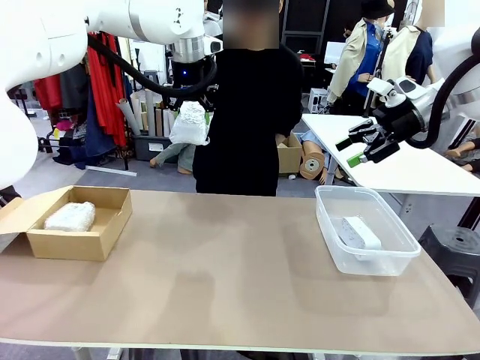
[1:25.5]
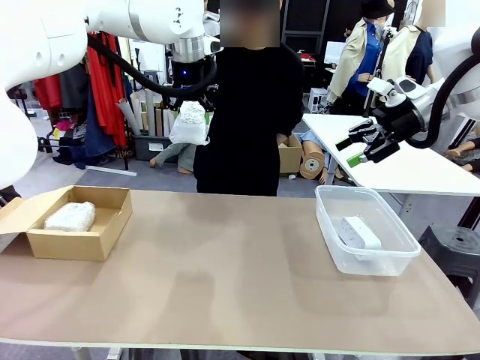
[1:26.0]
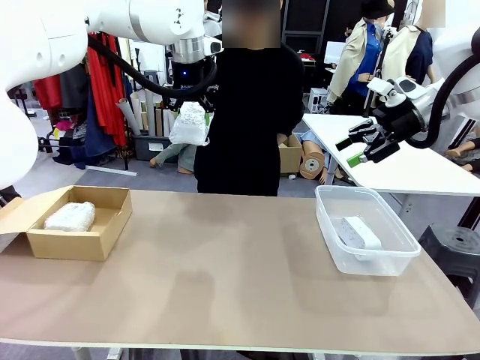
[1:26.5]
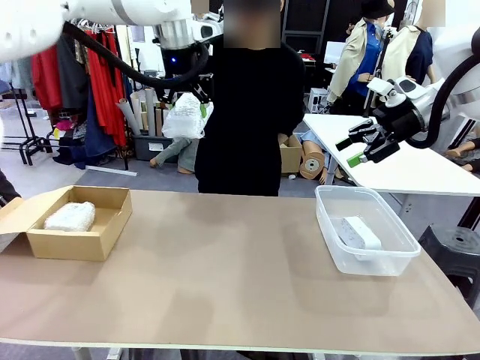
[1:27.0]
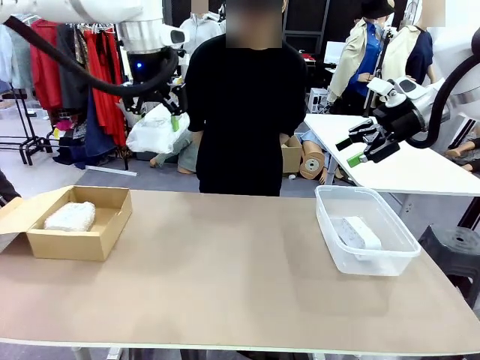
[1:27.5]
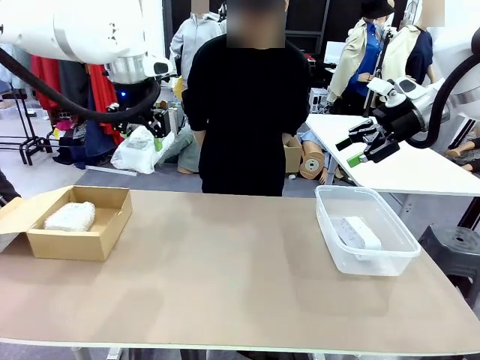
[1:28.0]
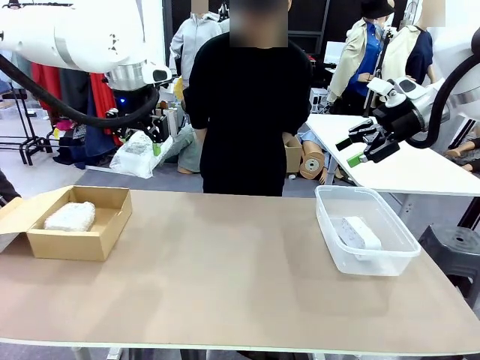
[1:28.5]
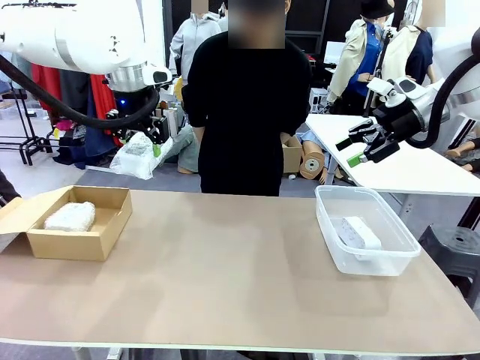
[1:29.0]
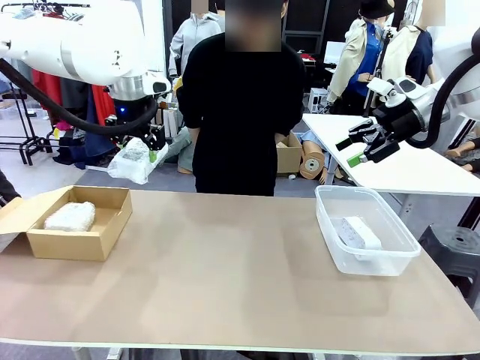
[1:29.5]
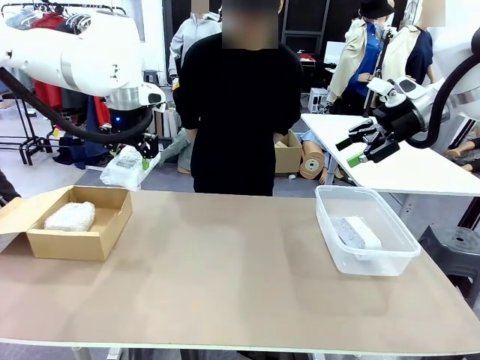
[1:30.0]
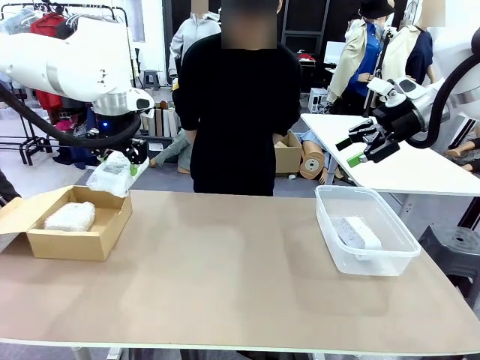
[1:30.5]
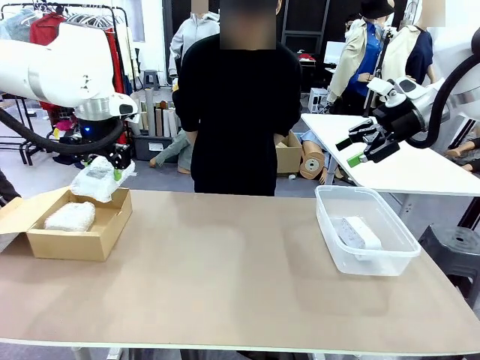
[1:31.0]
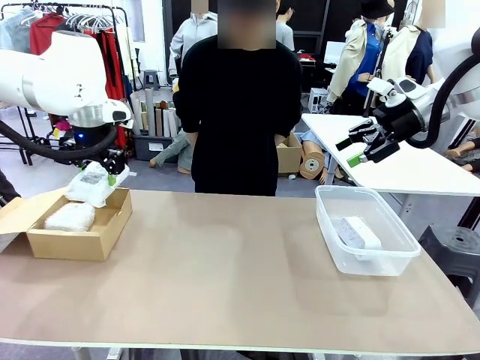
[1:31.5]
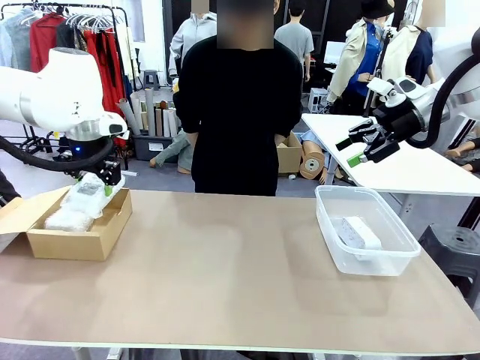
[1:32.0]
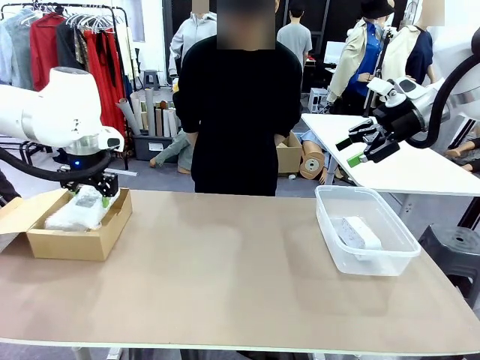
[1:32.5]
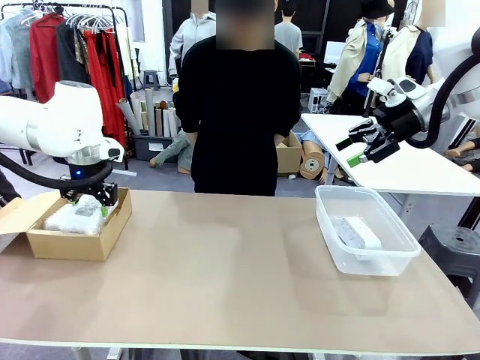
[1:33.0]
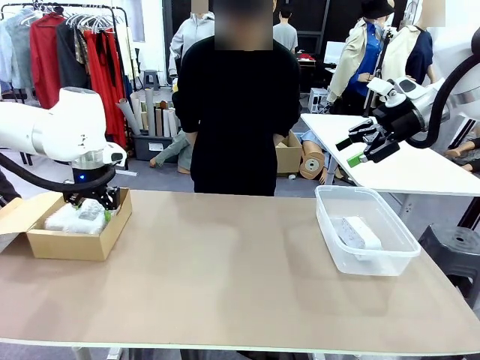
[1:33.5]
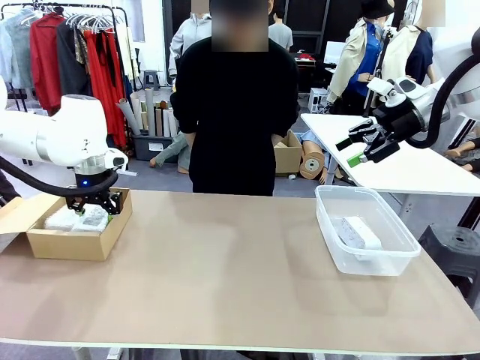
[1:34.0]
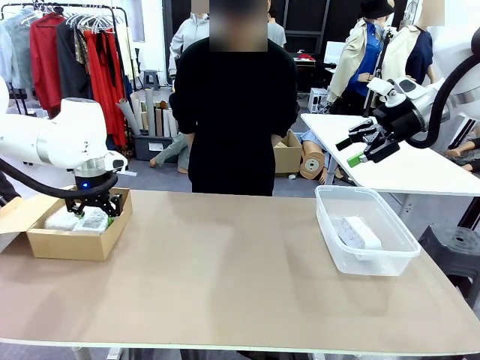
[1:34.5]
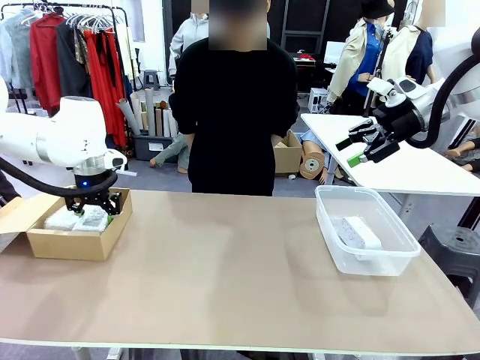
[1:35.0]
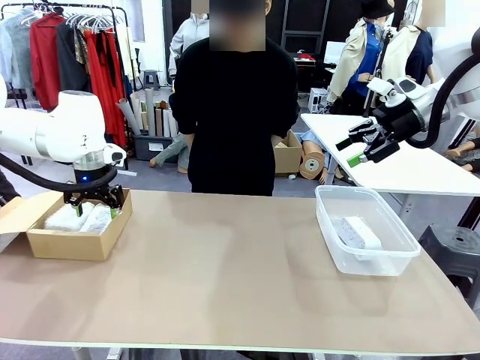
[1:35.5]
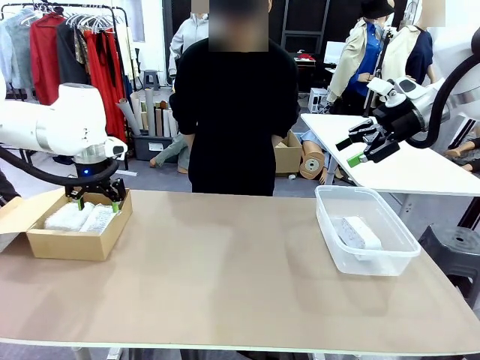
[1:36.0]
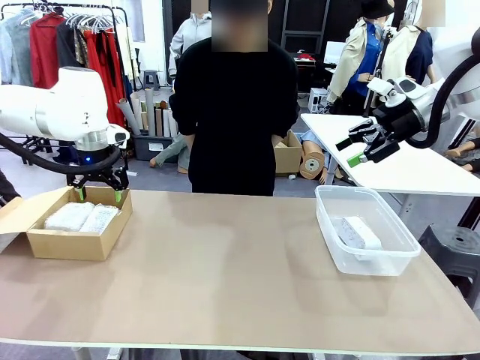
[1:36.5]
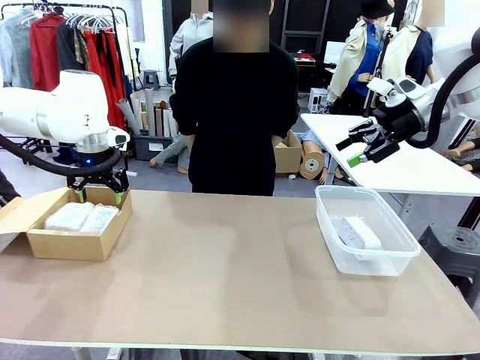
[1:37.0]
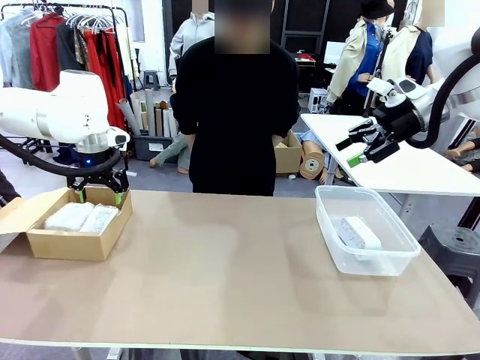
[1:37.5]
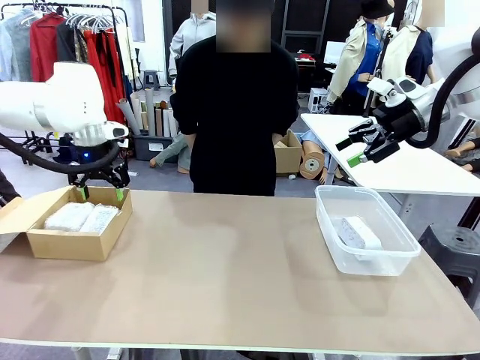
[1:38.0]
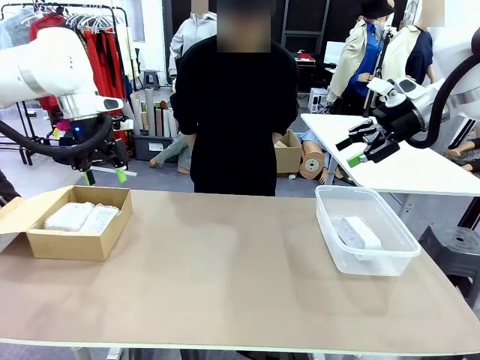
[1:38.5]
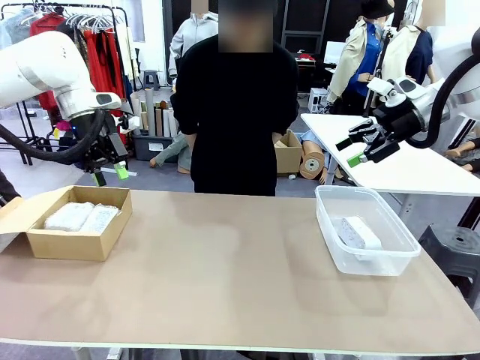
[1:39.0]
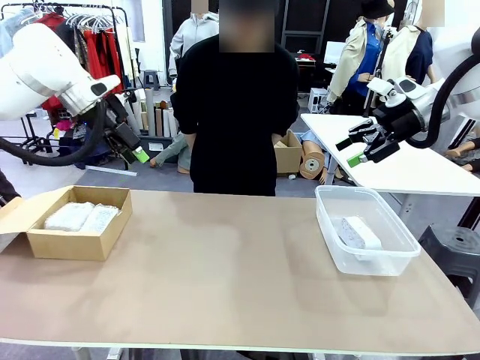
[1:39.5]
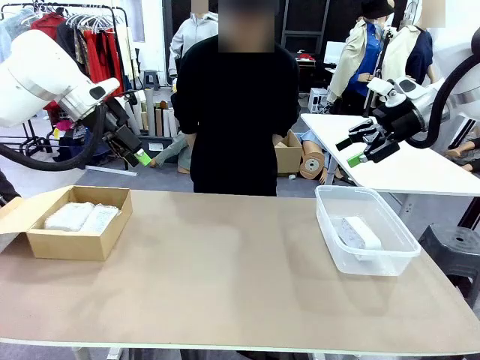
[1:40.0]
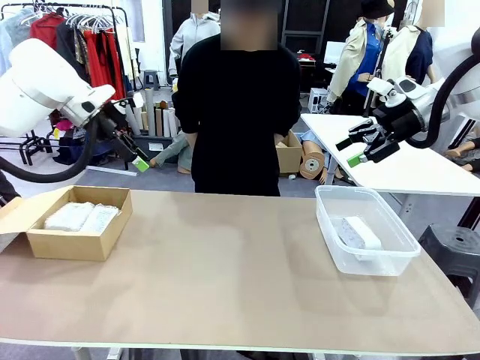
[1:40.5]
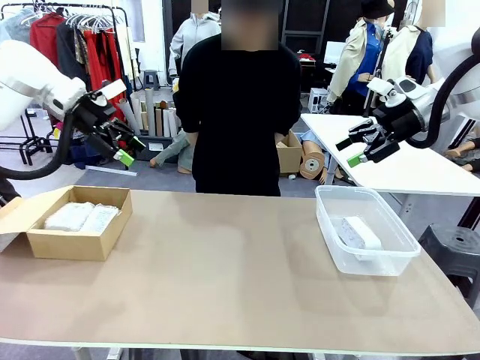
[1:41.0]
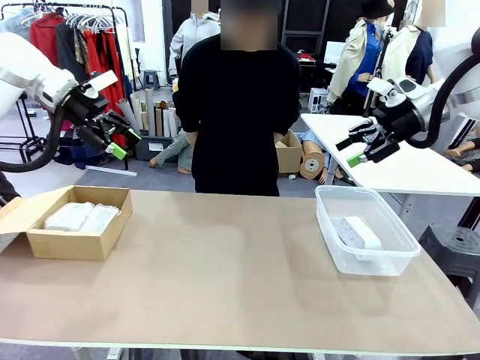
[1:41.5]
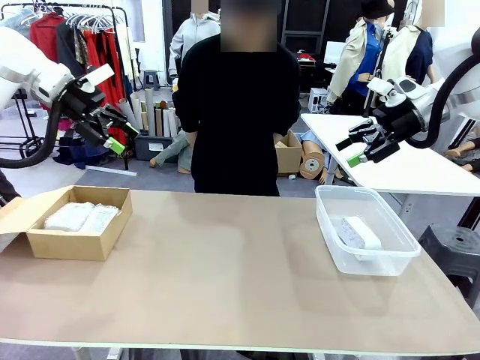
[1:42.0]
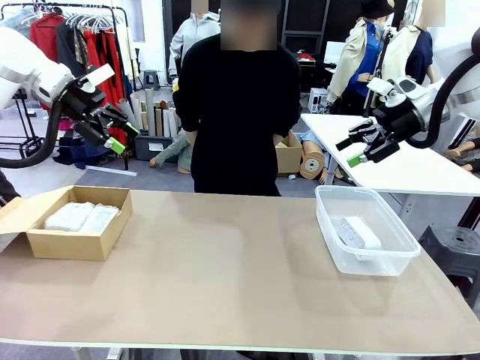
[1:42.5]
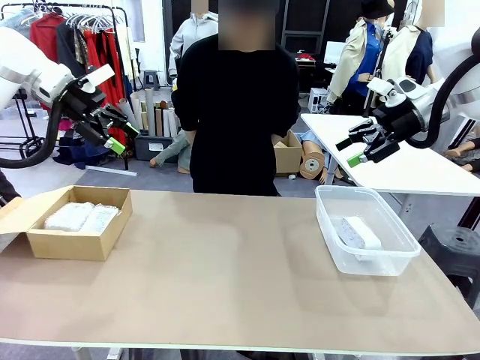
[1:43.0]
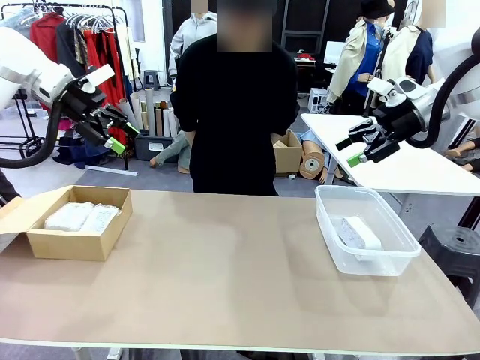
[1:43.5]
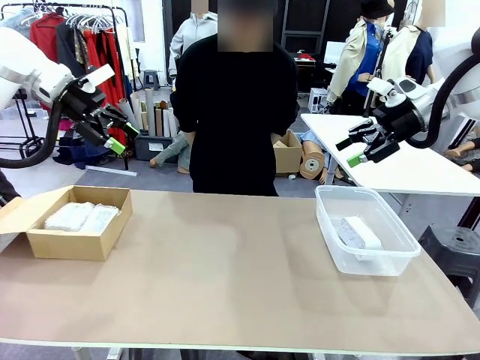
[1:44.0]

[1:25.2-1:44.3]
Task: Separate and place wrapped and unwrapped clocks.
Robot: If the picked Digital clock is wrapped, place it in the Package Box ; if not, place it in the Organizing box.

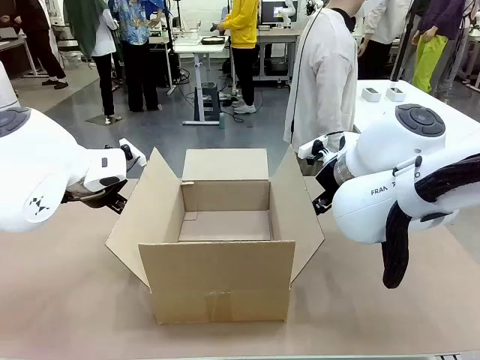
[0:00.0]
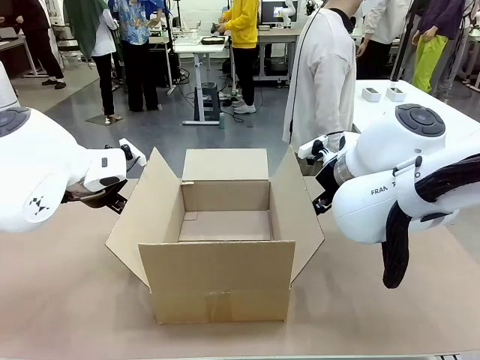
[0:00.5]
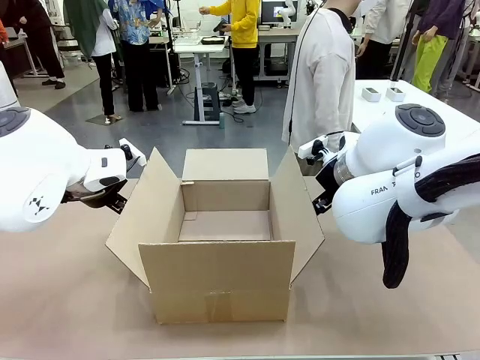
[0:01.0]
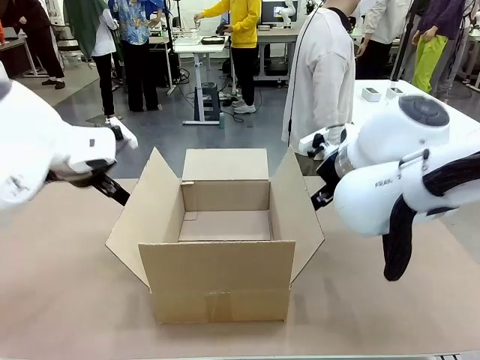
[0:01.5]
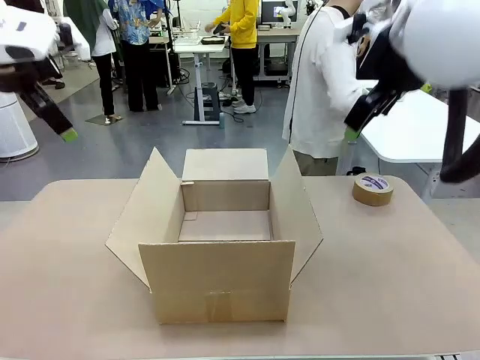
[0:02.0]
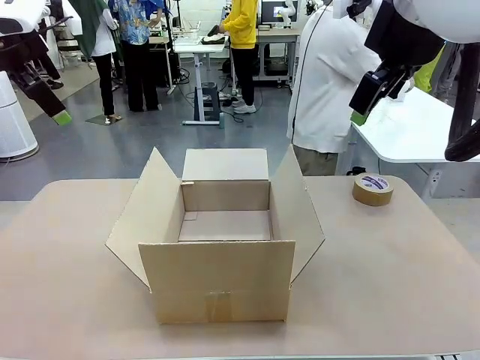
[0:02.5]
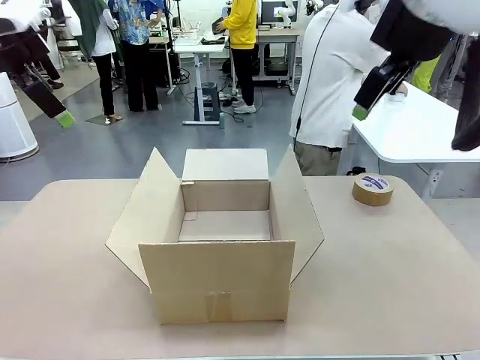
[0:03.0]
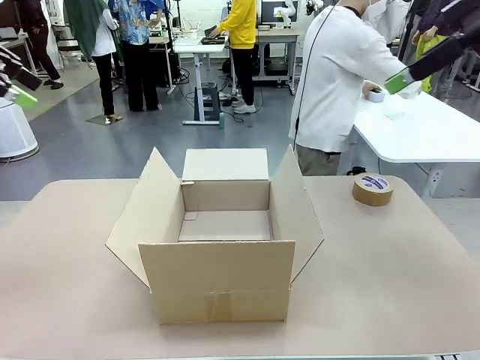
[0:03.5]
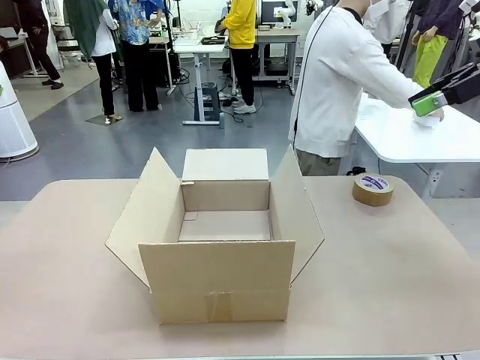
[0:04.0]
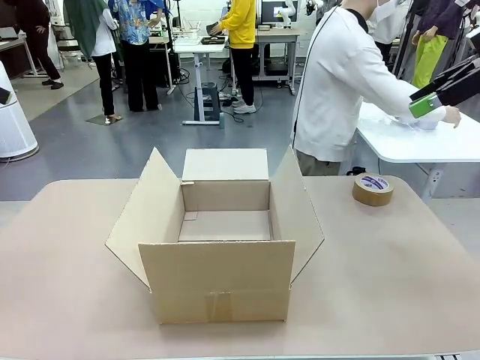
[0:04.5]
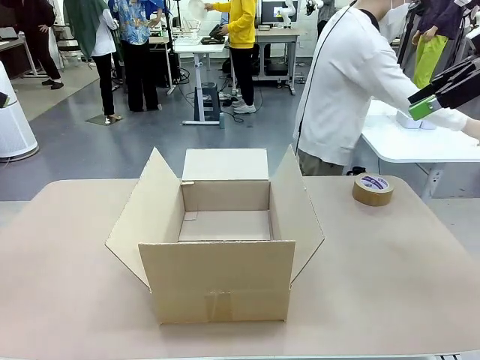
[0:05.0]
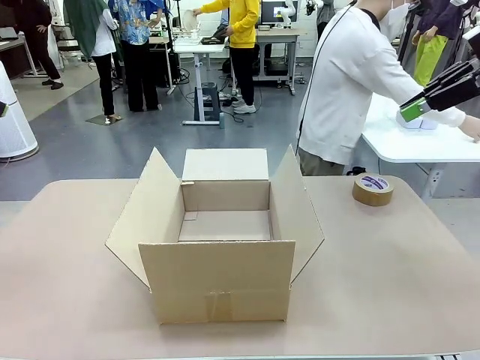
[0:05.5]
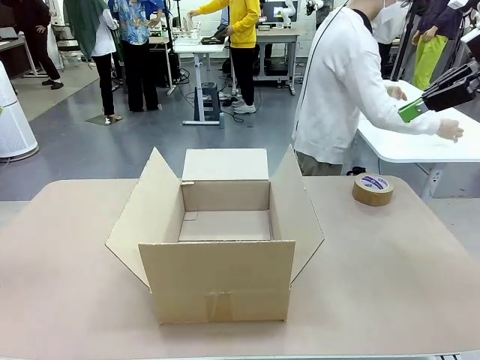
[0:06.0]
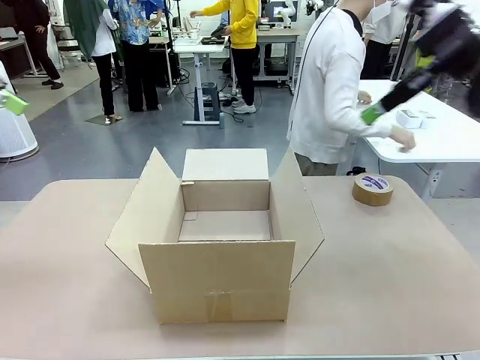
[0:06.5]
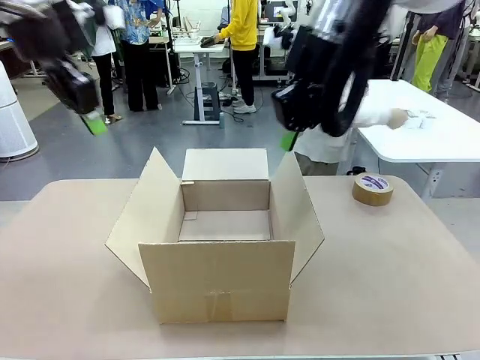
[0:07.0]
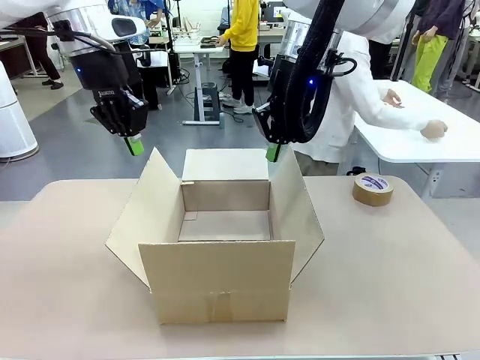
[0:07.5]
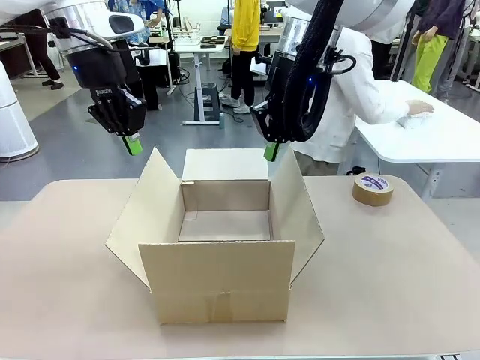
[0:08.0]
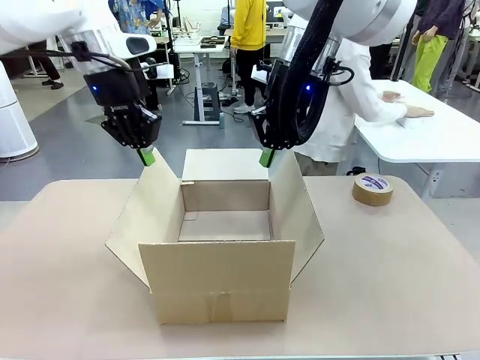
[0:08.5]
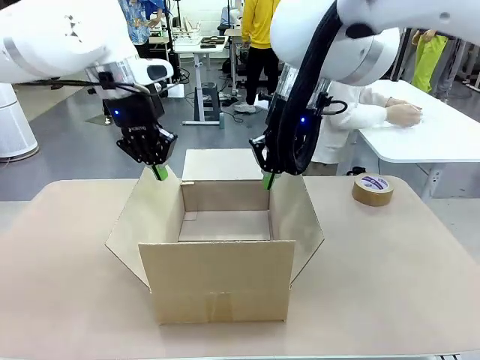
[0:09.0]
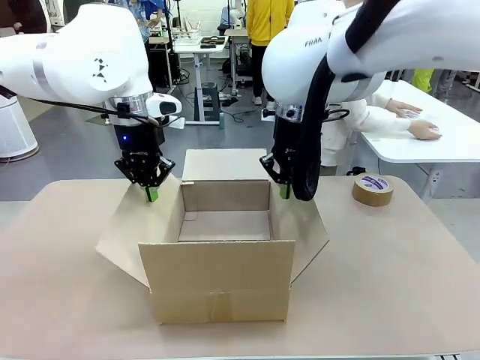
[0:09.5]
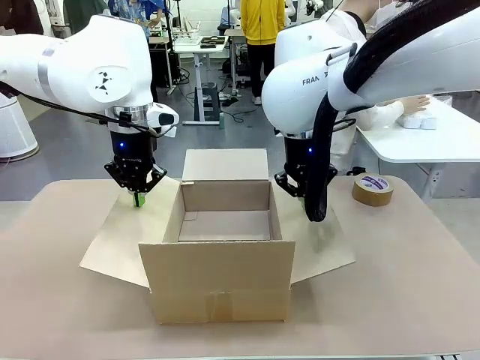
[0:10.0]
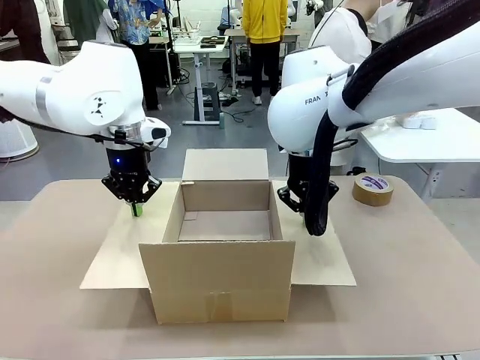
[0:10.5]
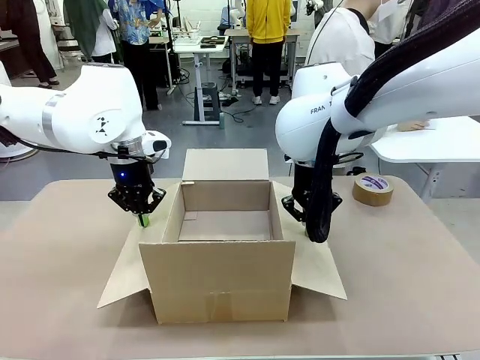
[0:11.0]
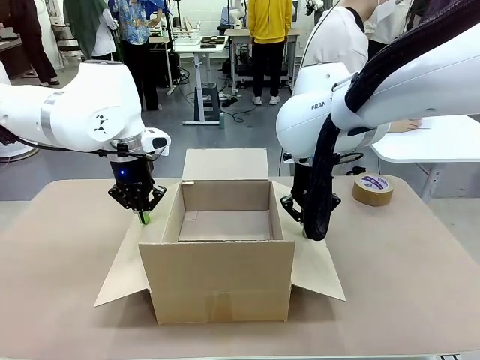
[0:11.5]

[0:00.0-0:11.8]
Task: Wrap the clocks to prevent damage.
Robot: Open the side flaps of the Package Box.
Person: Wrap the two Digital clocks with Bubble Wrap.
